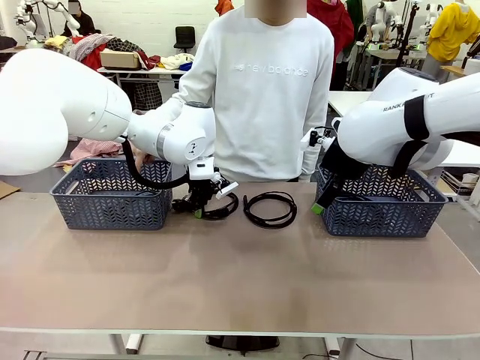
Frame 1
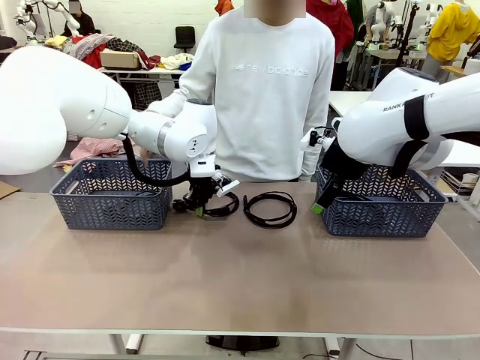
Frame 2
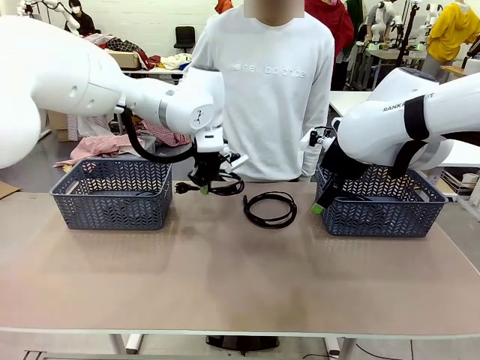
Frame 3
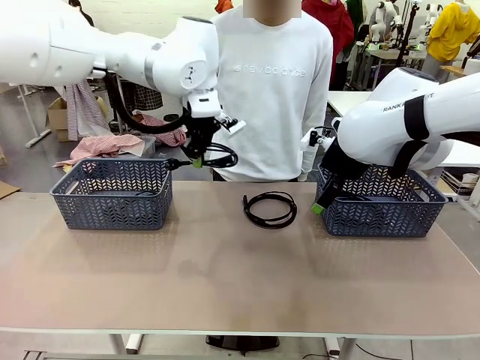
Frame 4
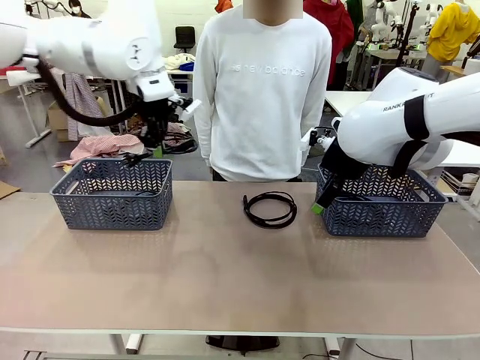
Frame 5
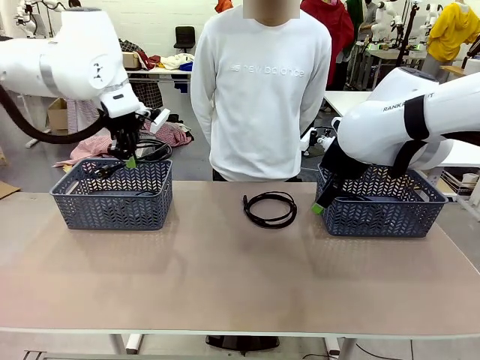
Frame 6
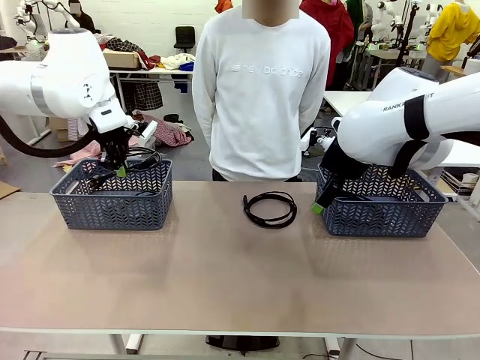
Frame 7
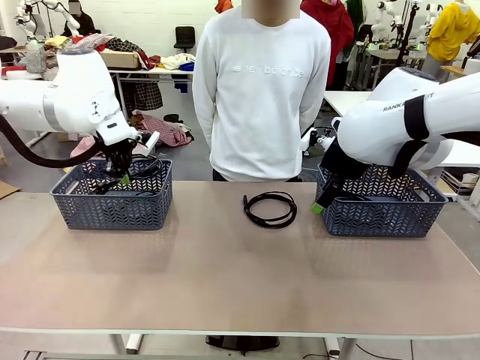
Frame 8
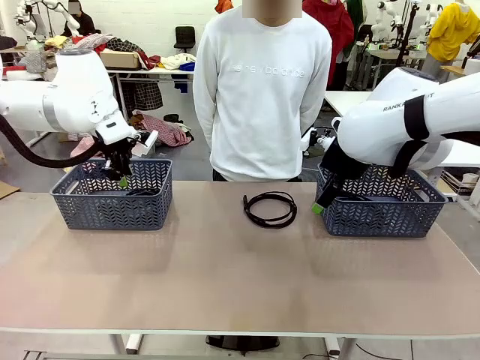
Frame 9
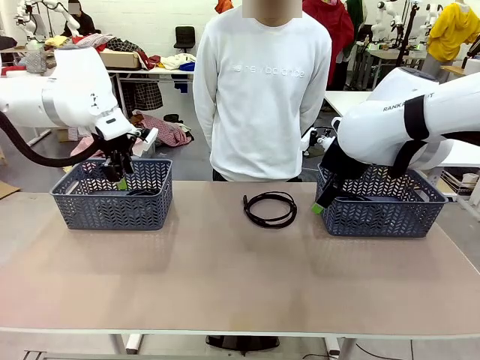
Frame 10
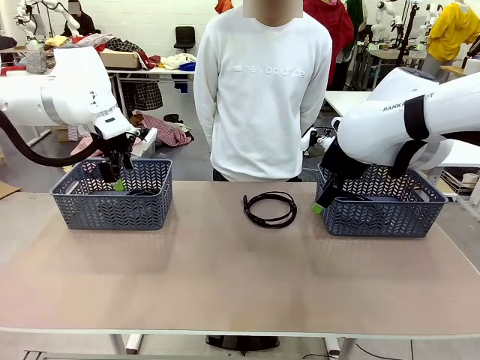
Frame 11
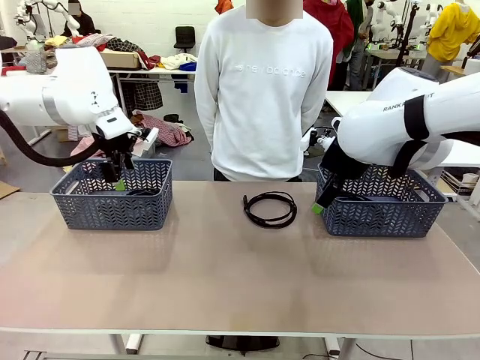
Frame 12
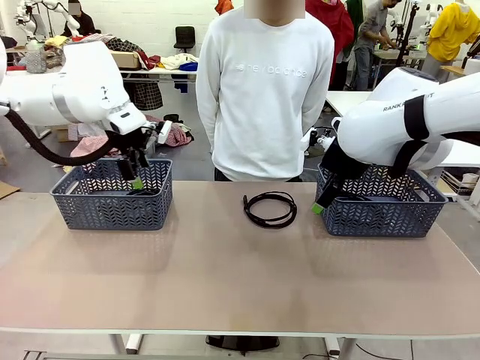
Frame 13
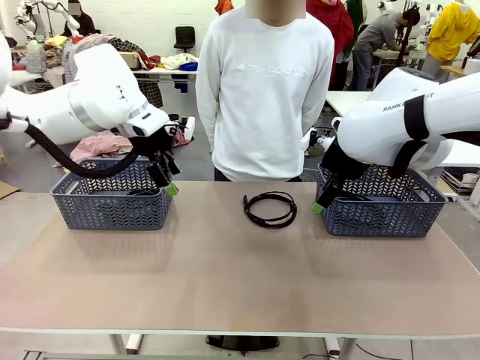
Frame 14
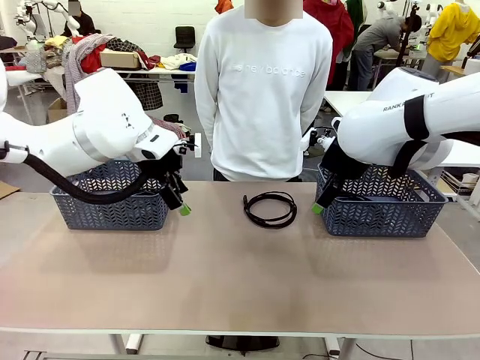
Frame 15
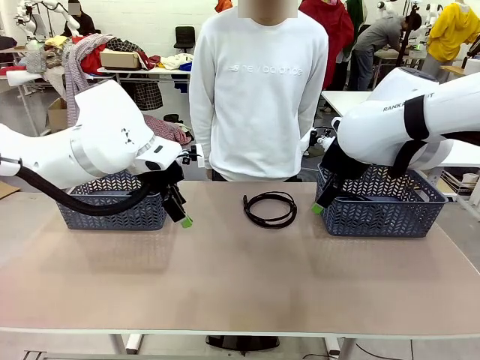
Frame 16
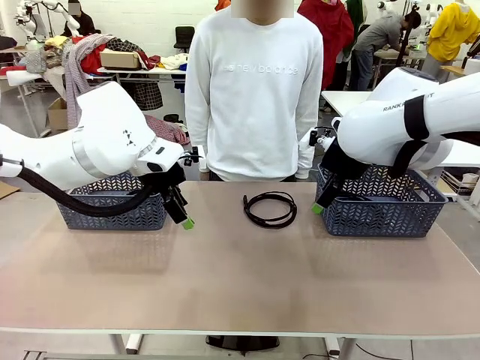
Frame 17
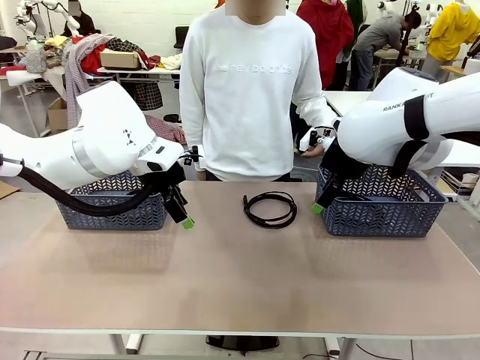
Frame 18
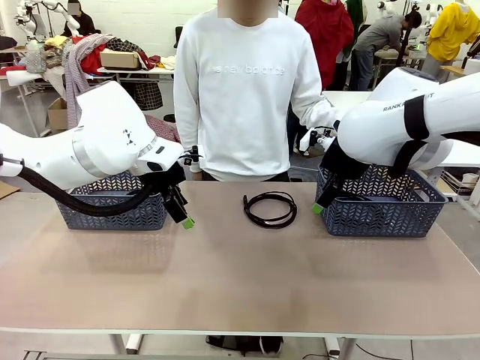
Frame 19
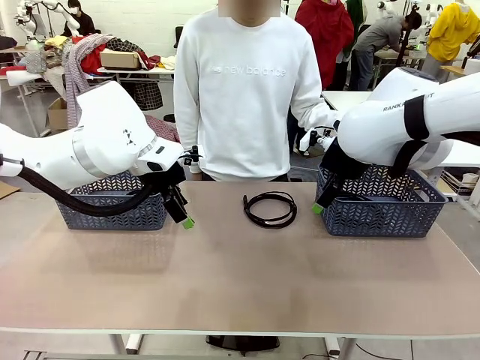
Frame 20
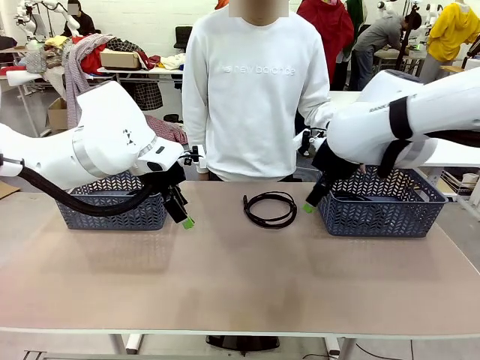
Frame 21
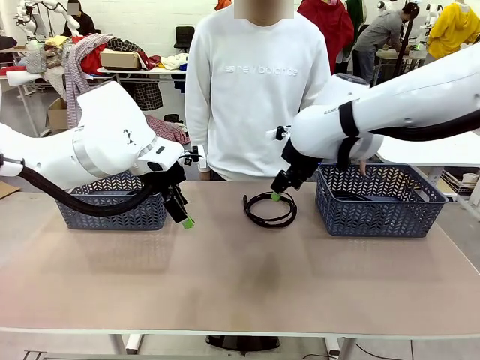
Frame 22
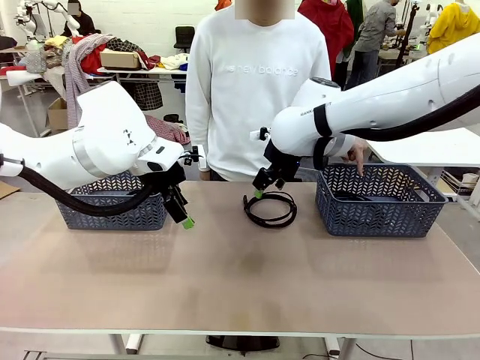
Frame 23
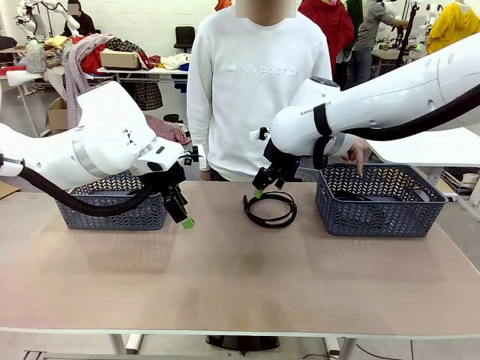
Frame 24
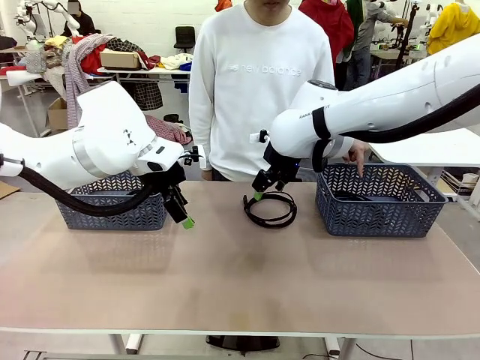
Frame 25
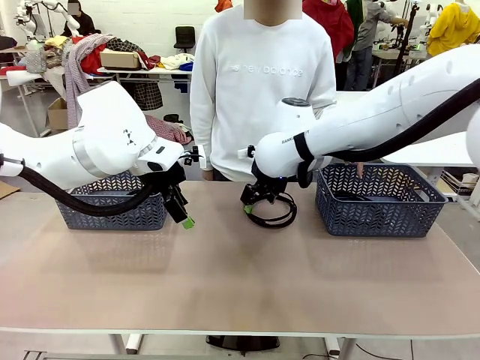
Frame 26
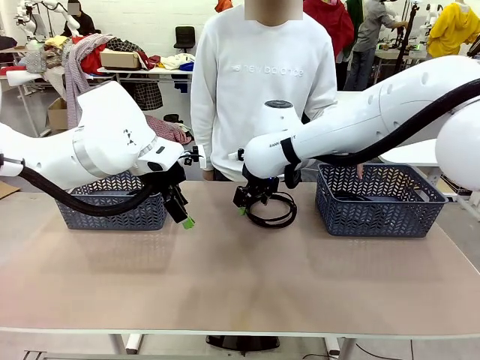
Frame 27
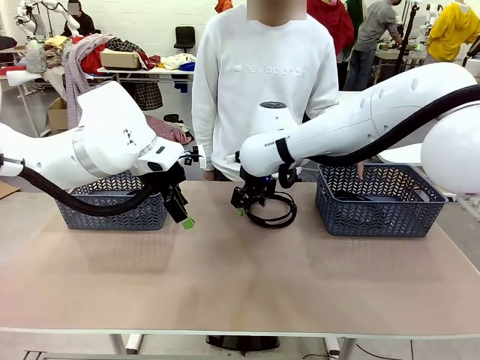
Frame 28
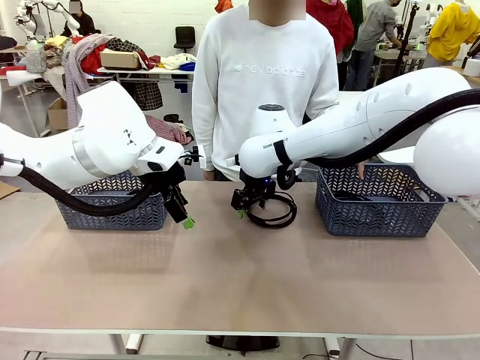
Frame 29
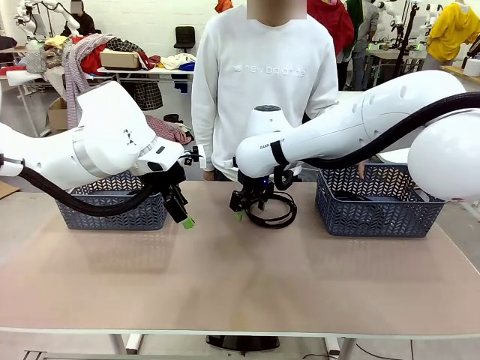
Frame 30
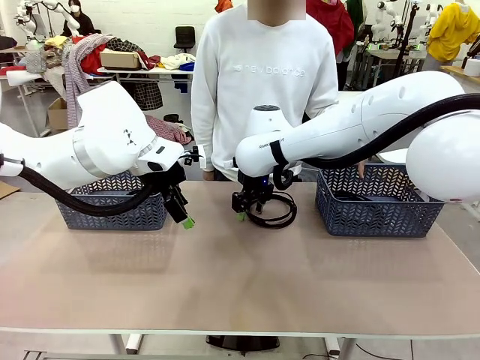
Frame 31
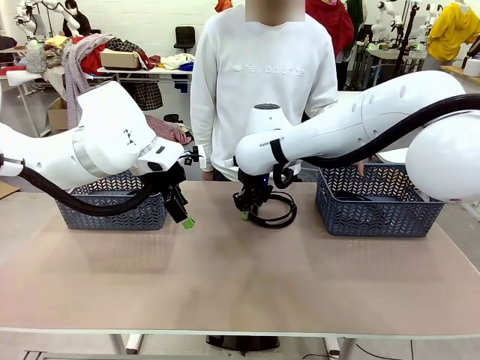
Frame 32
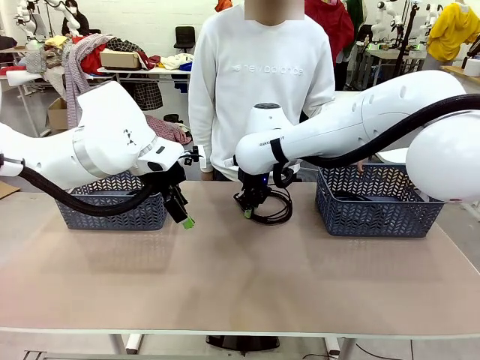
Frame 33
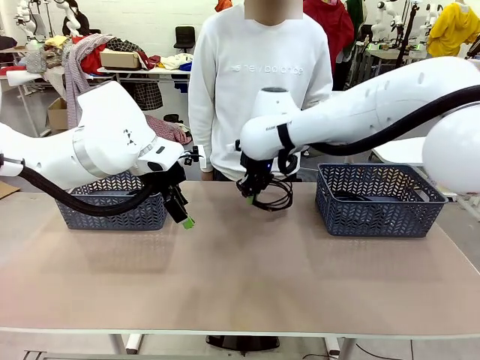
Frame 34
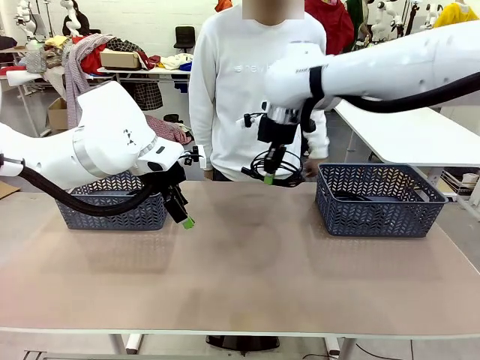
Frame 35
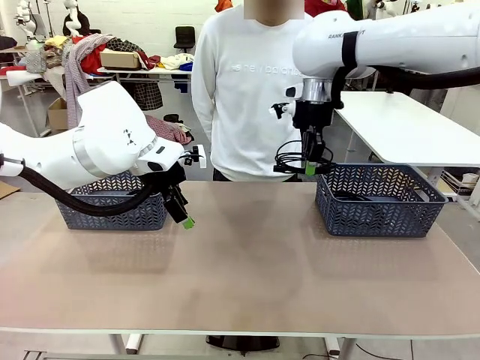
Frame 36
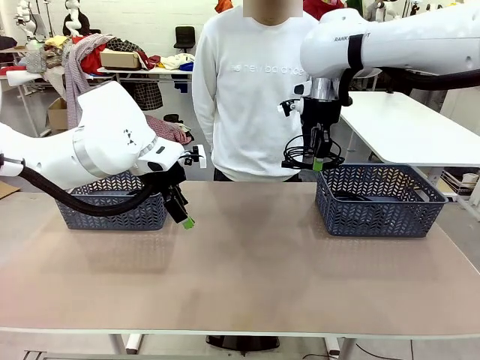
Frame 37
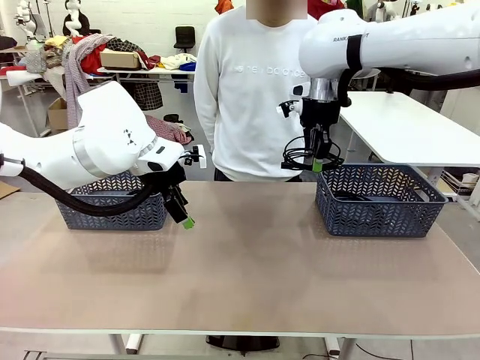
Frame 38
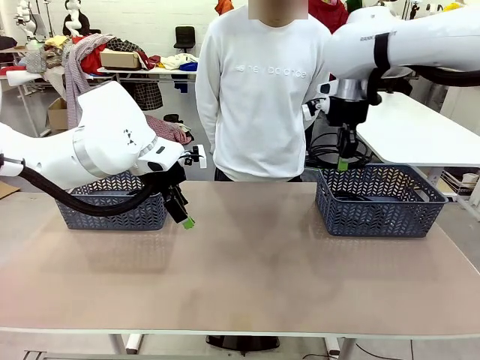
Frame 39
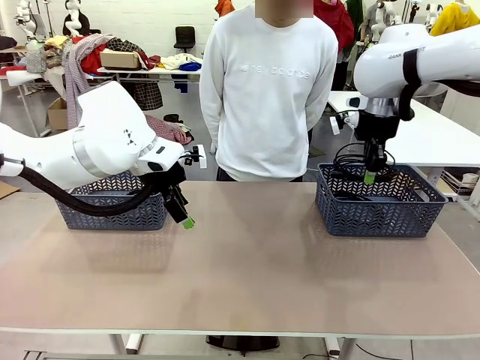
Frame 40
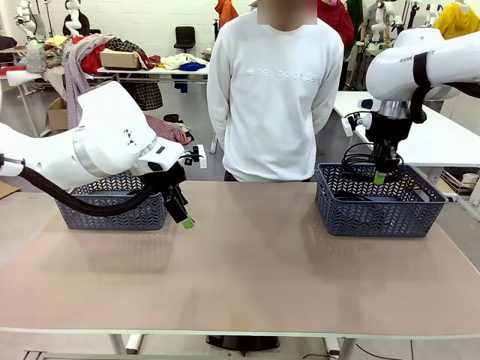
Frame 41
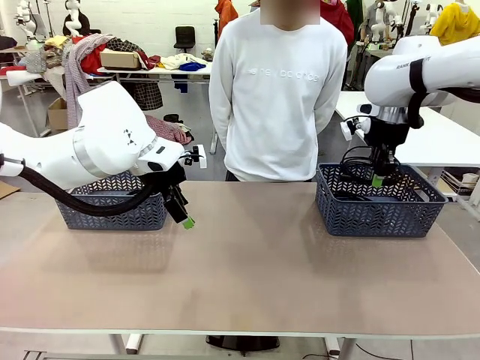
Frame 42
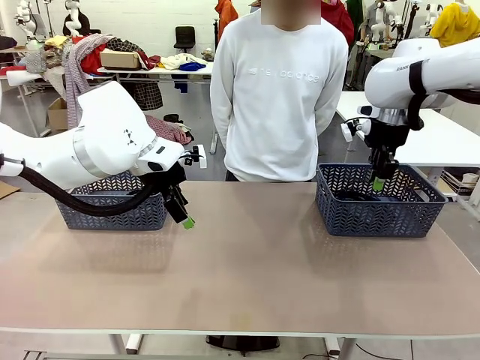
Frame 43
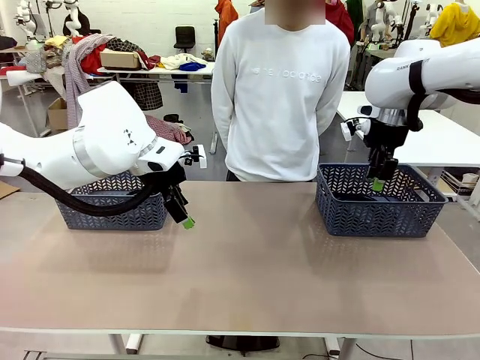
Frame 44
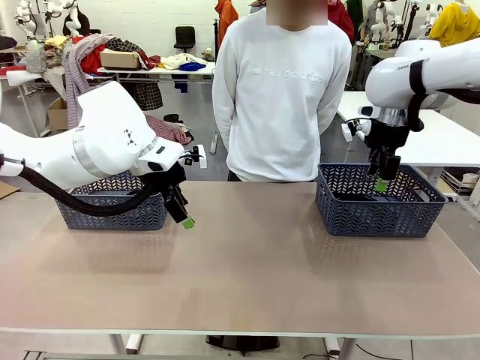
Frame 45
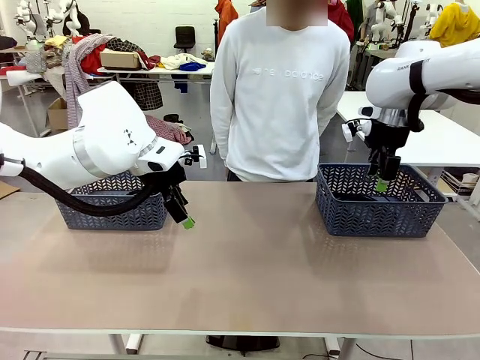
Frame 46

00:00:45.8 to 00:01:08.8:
Task: Organize the cables according to human instructions.
Robot: Pick up a bundle of cables and place it in the basket indicated by the human.
